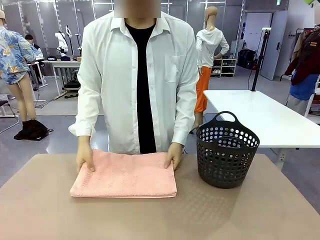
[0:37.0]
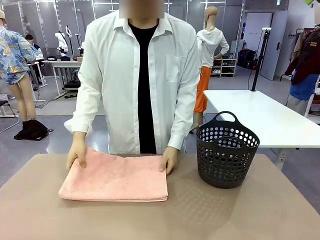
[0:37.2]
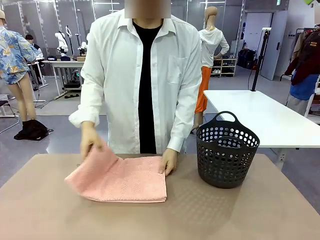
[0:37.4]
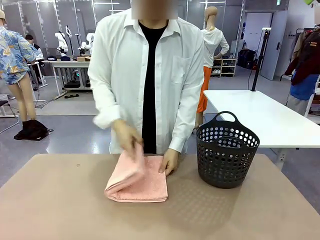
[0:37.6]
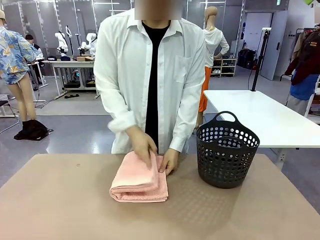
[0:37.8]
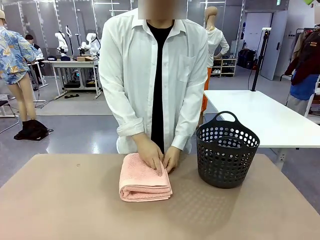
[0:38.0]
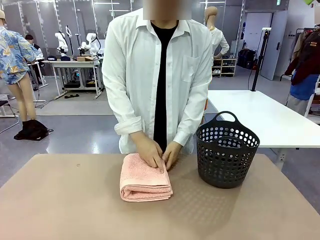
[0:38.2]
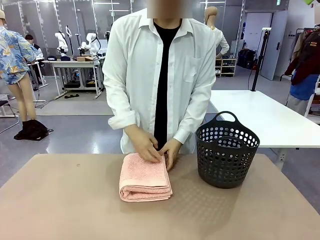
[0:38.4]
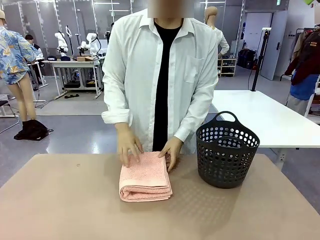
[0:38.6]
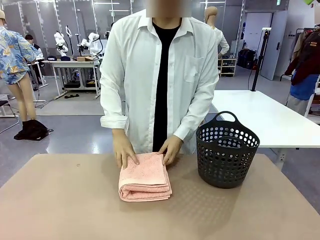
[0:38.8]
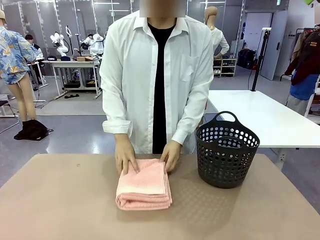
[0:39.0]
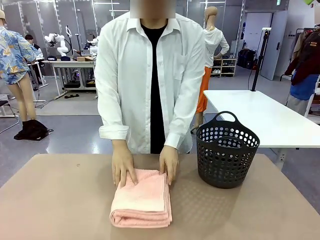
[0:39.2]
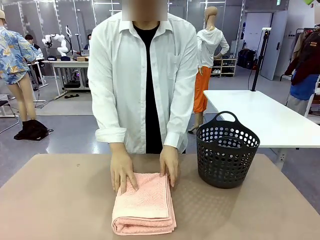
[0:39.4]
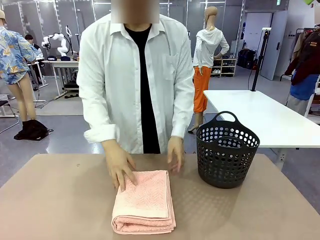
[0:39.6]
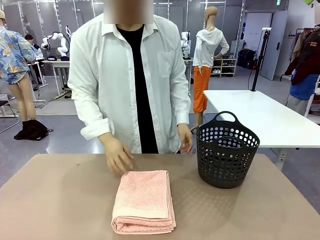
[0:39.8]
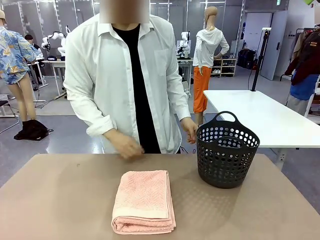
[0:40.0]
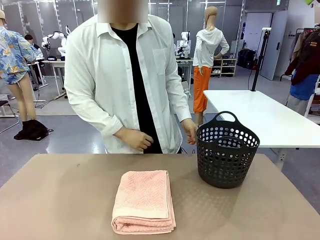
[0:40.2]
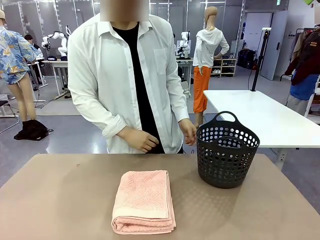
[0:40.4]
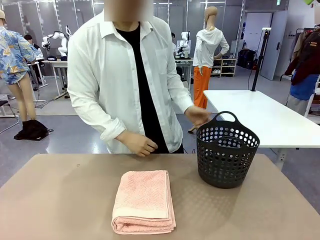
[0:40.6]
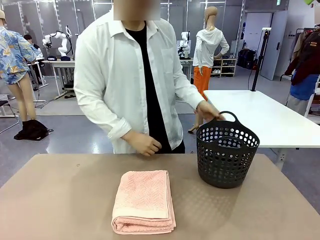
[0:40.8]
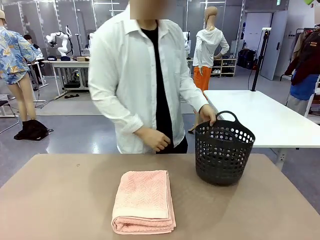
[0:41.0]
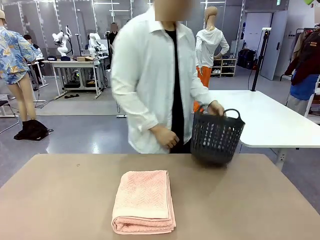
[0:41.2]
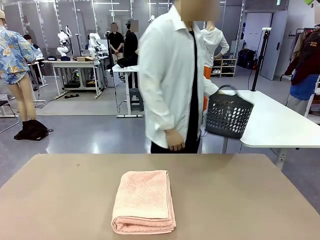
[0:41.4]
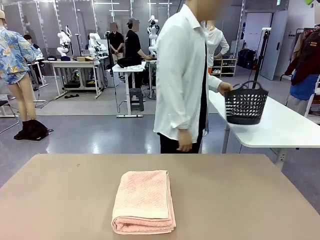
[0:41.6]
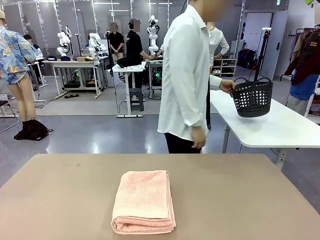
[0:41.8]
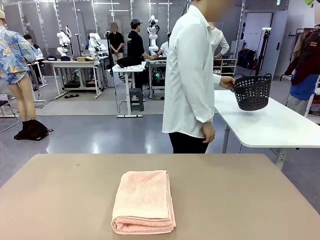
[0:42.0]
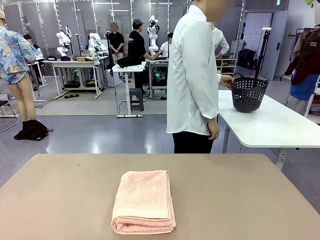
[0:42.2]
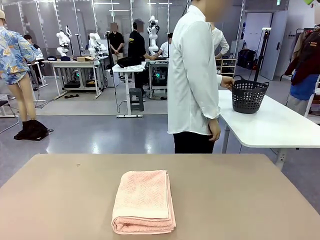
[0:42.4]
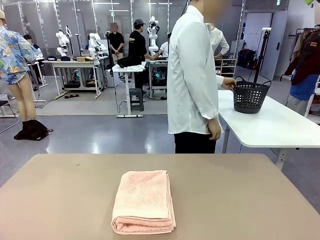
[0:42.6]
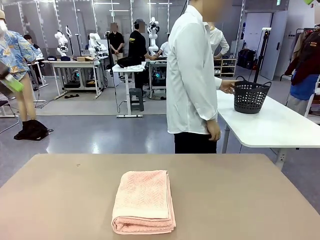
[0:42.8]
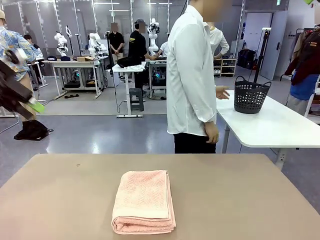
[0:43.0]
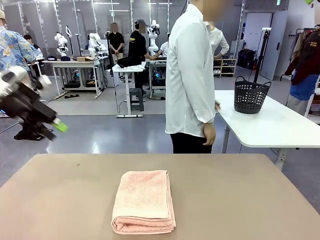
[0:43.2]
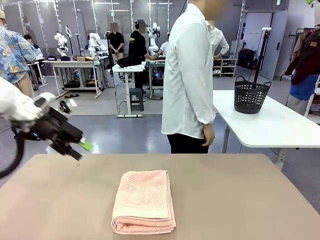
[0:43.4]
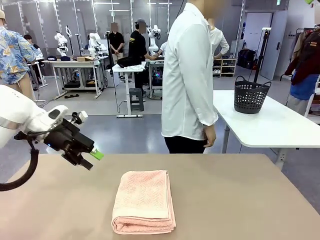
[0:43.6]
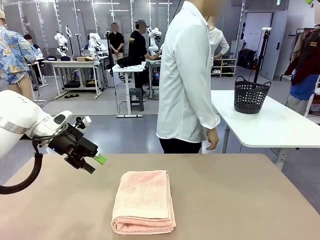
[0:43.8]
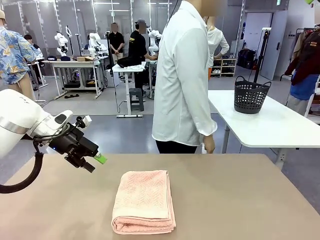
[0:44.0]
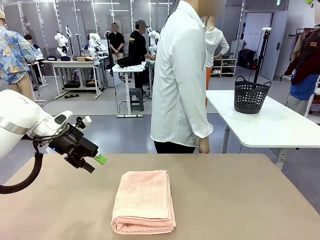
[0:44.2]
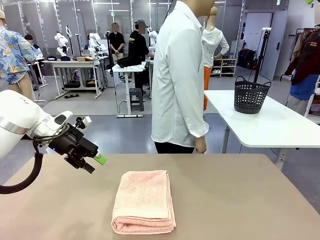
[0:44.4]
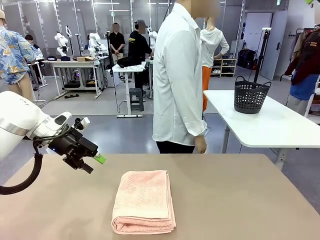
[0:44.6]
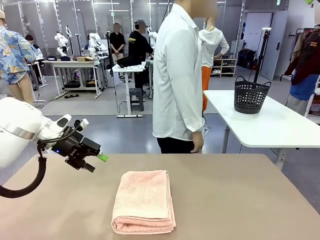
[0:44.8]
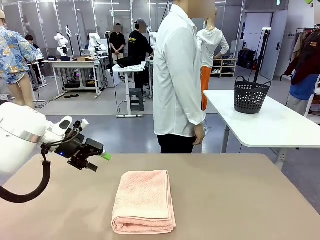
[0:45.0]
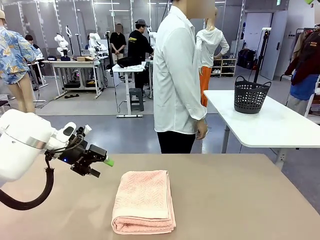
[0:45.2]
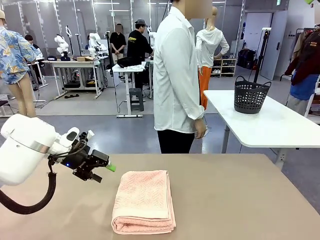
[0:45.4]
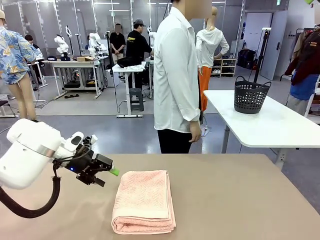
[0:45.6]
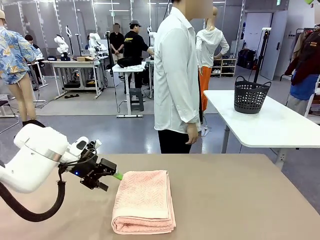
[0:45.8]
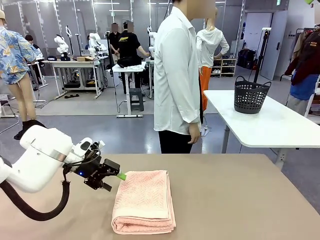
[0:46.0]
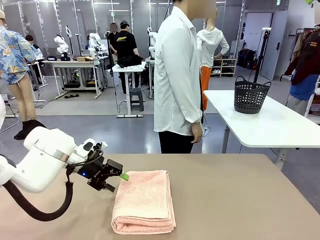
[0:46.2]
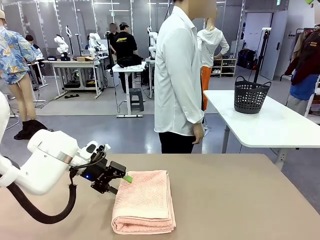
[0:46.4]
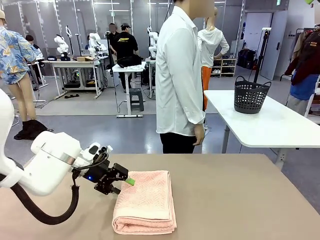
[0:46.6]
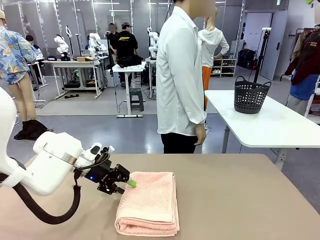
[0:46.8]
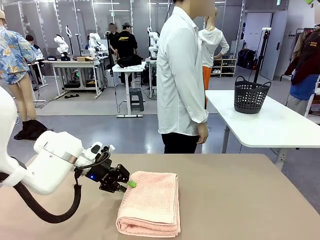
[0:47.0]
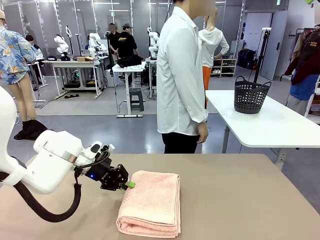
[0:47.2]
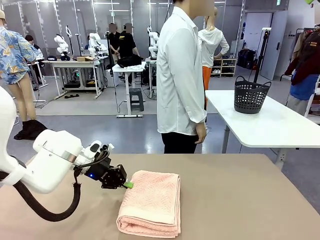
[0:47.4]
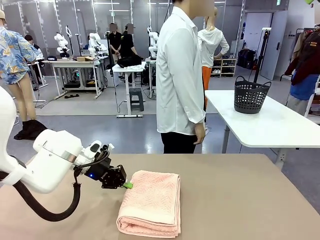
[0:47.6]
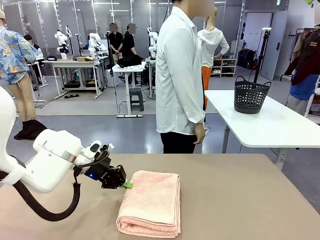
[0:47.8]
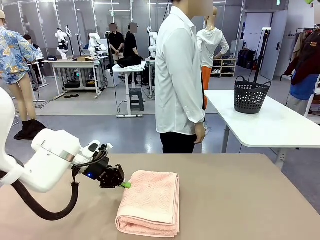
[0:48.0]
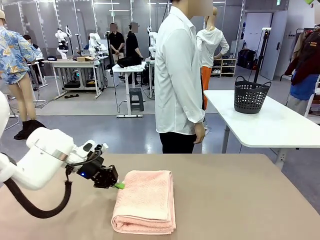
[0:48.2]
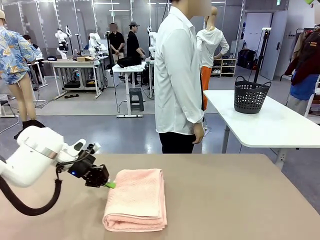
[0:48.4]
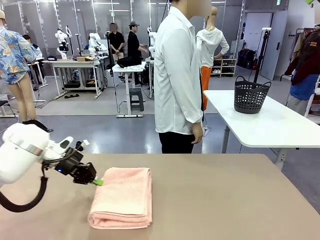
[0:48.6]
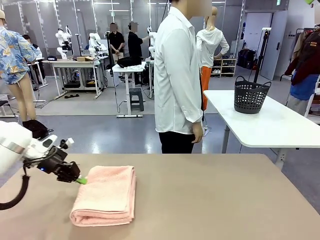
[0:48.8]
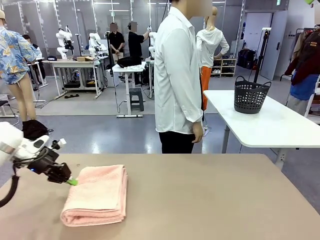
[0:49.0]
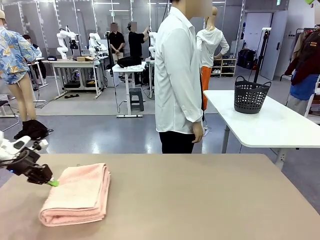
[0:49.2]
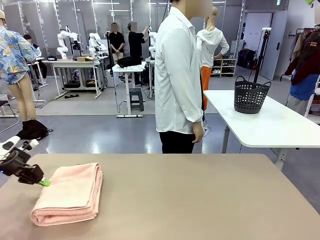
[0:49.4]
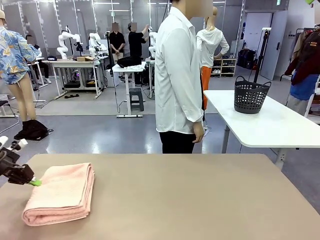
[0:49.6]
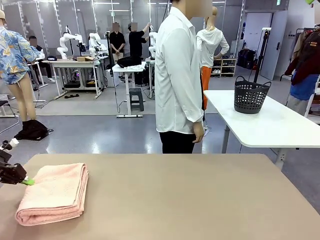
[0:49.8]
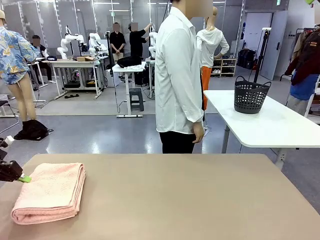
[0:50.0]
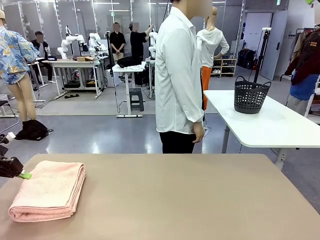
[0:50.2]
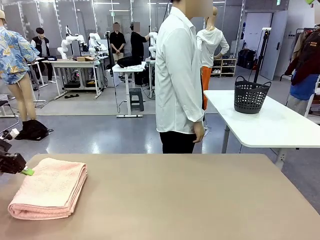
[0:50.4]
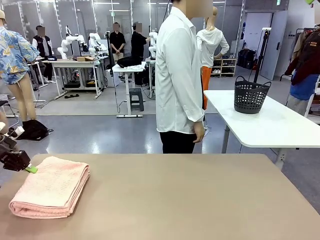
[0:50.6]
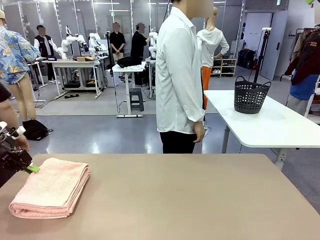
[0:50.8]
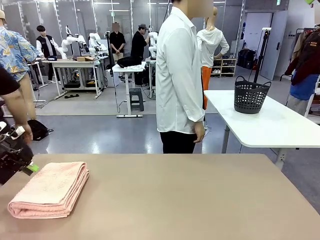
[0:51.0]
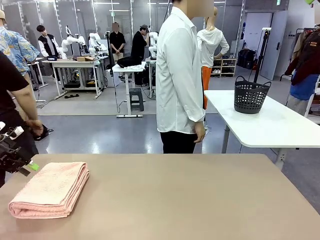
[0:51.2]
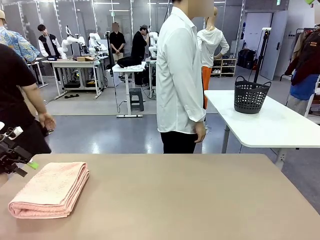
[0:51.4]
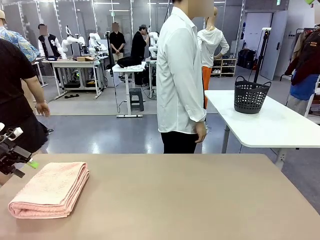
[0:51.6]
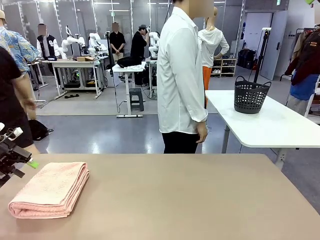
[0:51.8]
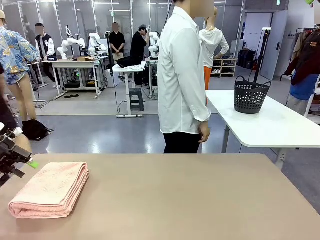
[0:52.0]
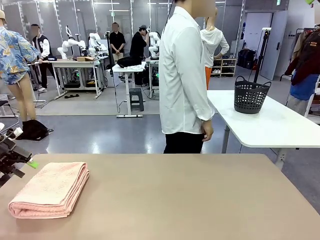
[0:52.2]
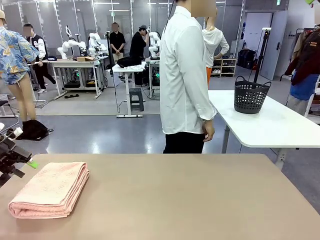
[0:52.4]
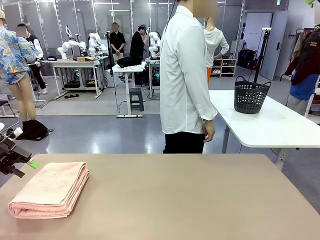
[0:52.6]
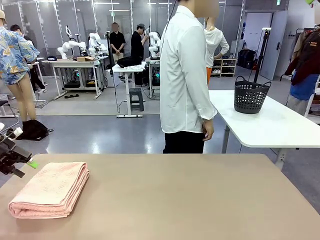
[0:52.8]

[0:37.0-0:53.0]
Task: Fold the towel.
Robot: Pick up the 100 cm Hotel Towel and place it on the left side of the table.
Person: Place the towel at the center of the robot table and fold it in half. Pick up the laundry basket and place it at the center of the human table.
